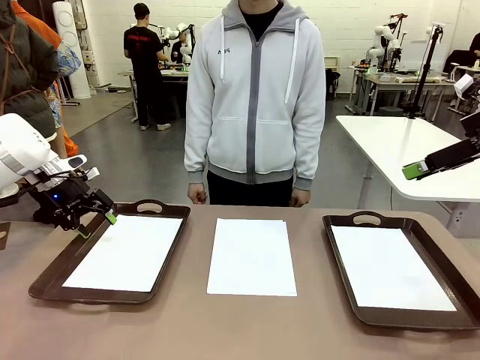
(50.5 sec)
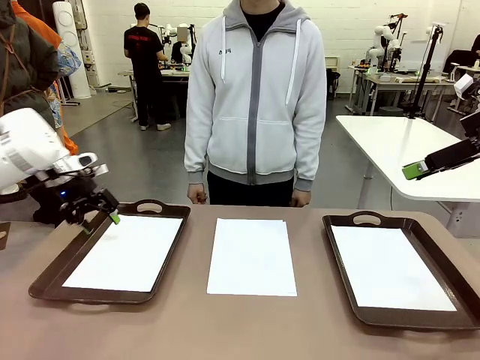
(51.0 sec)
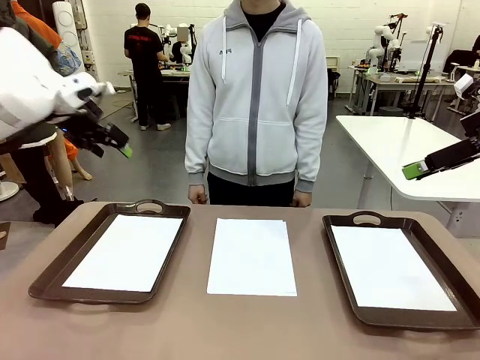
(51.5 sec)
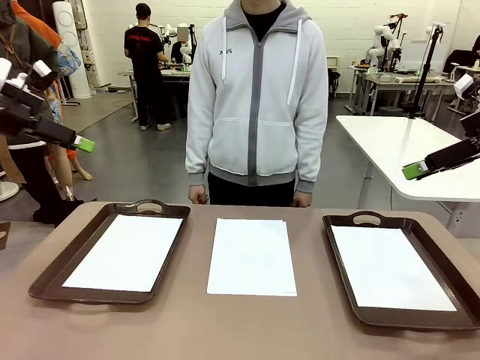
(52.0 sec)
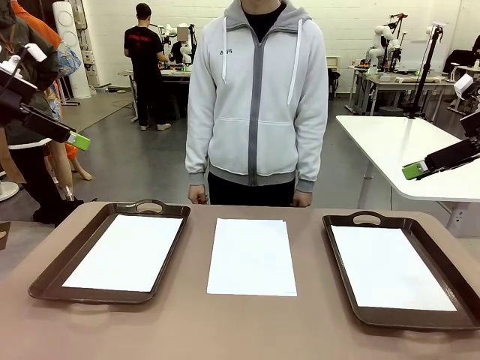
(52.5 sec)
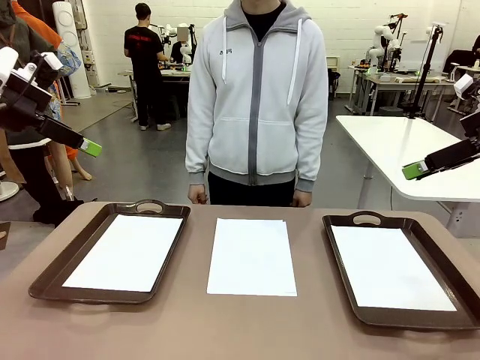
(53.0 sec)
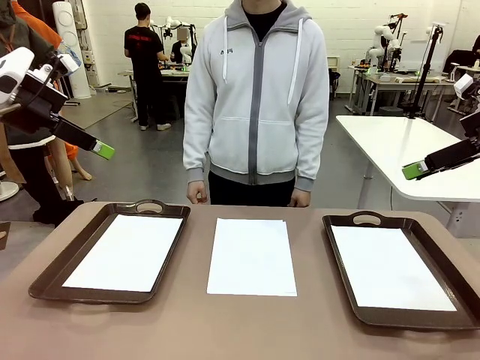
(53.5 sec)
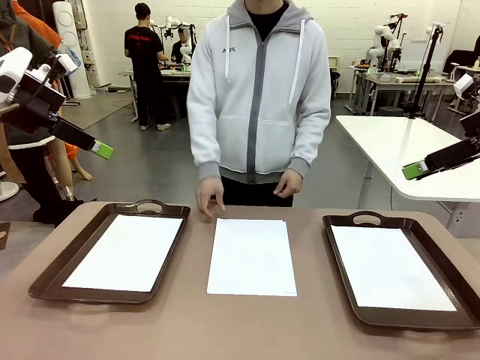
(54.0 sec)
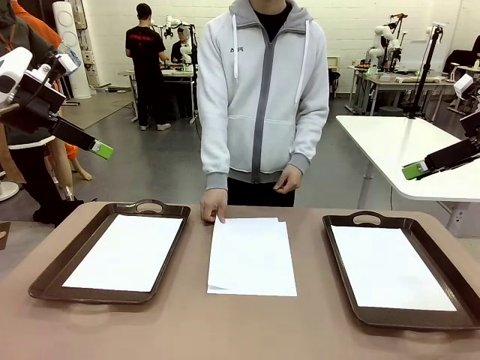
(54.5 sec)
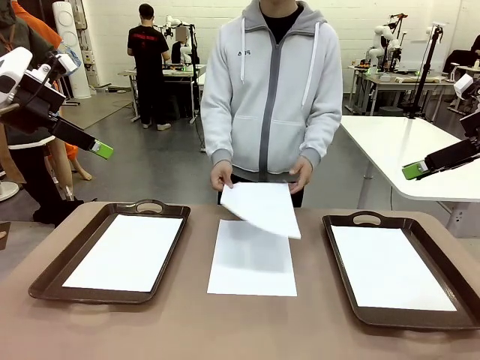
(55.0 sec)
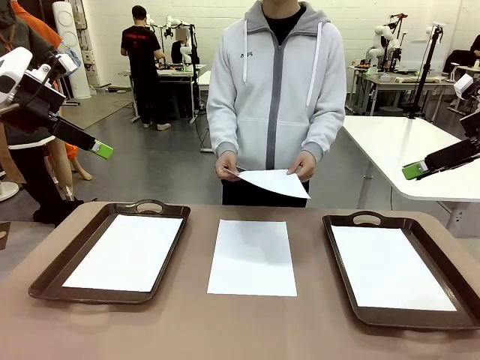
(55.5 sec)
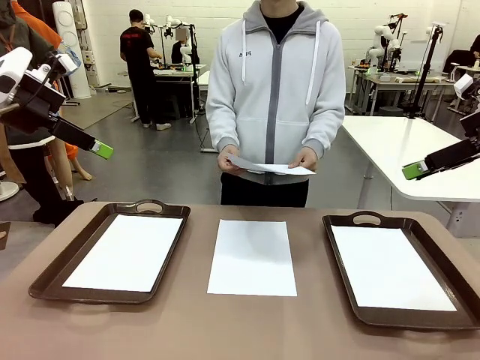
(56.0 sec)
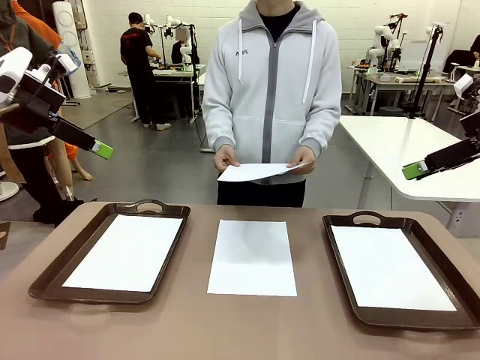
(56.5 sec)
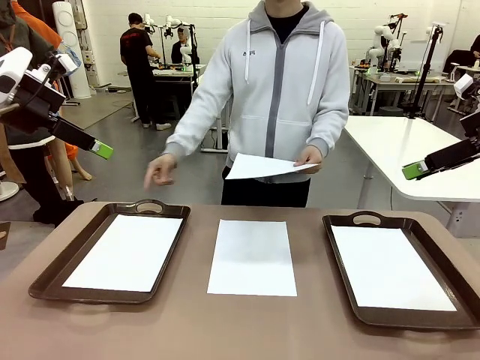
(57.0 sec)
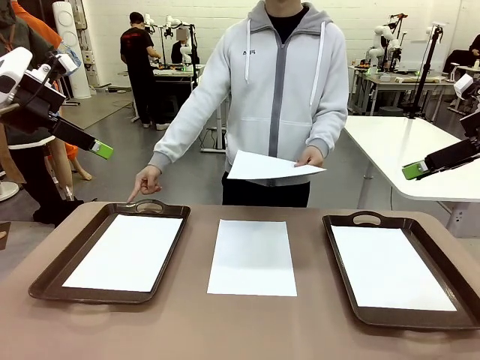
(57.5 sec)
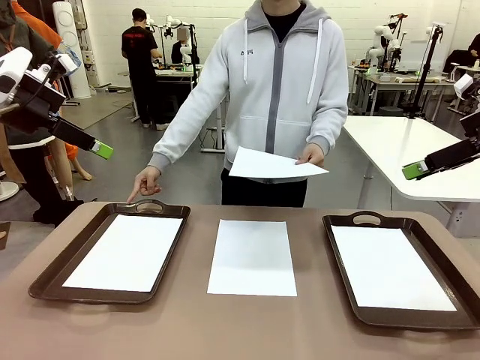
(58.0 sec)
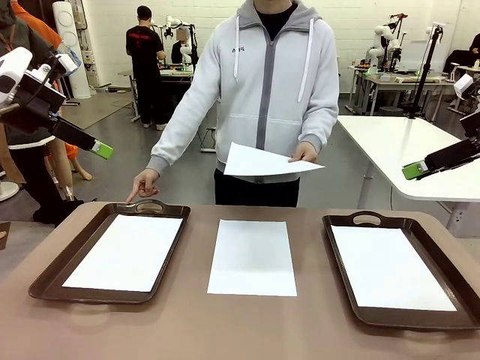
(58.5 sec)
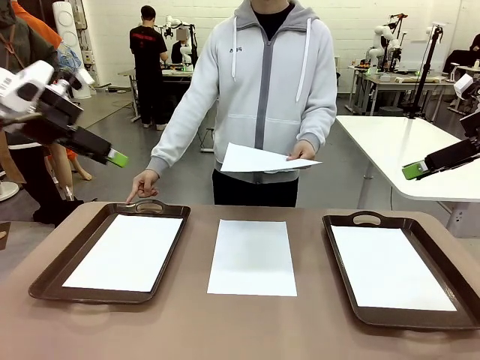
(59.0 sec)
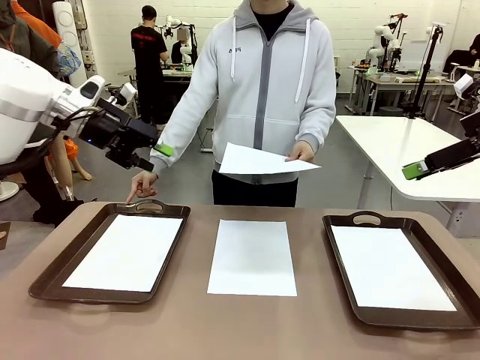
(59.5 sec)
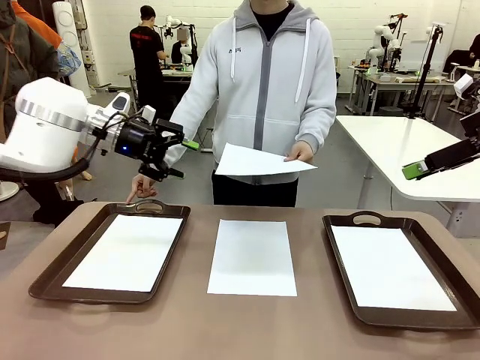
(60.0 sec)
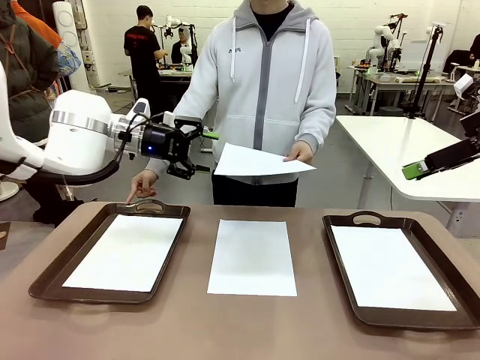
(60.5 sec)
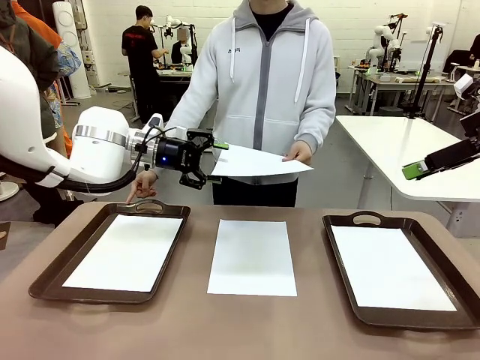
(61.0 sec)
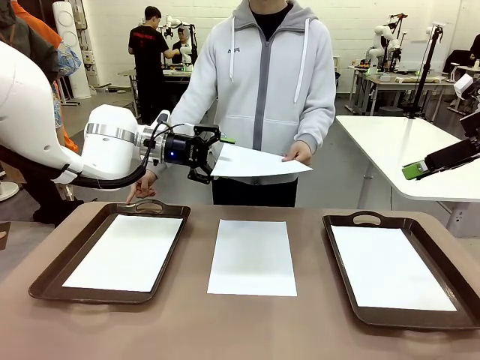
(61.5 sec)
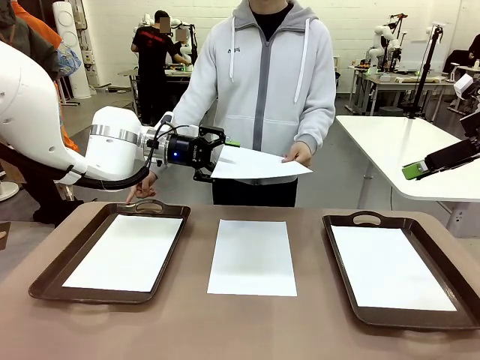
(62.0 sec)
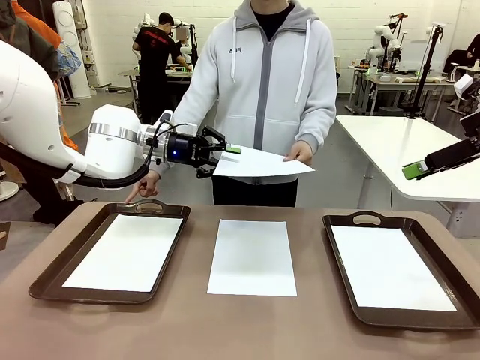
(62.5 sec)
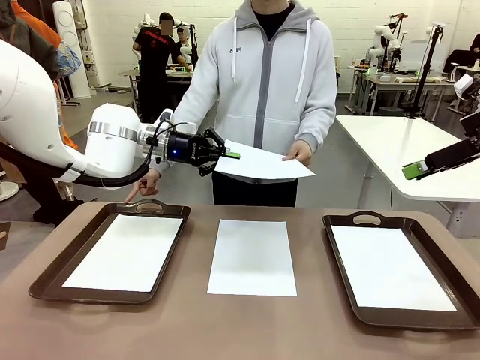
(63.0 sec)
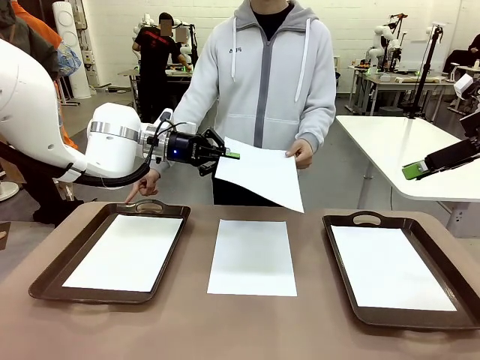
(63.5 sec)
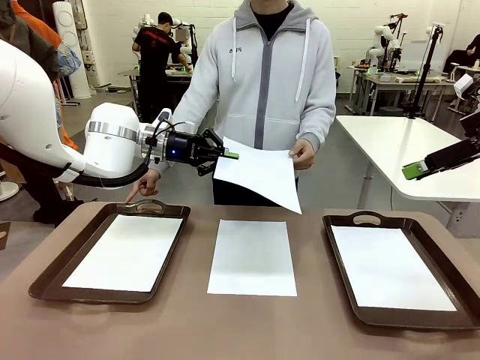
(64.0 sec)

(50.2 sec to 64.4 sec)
Task: Sort the A4 documents.
Robot: Receive the A4 Paper.
Person: Point the randomly selected tray with the other hand.

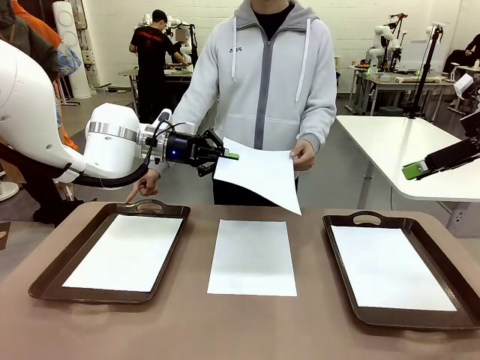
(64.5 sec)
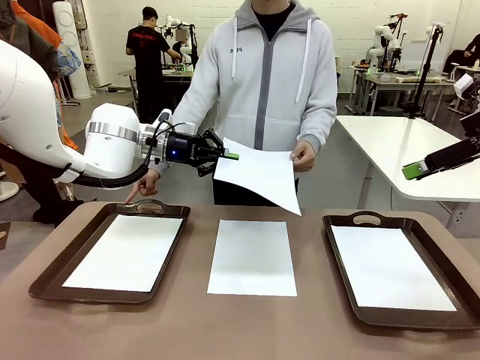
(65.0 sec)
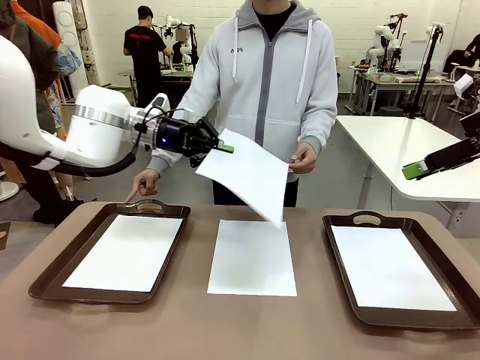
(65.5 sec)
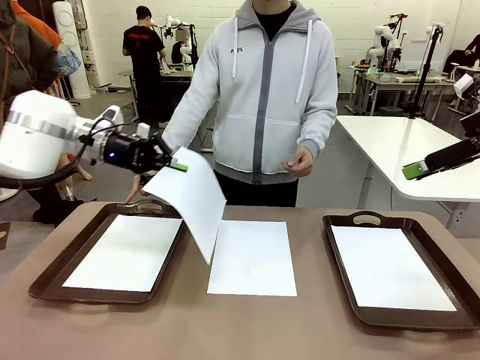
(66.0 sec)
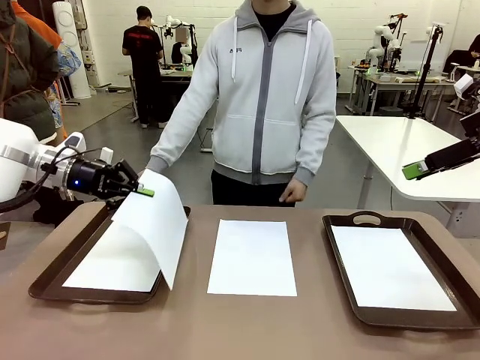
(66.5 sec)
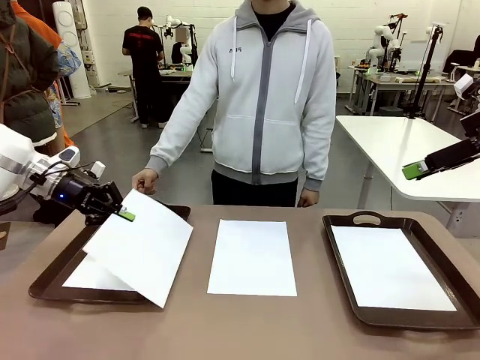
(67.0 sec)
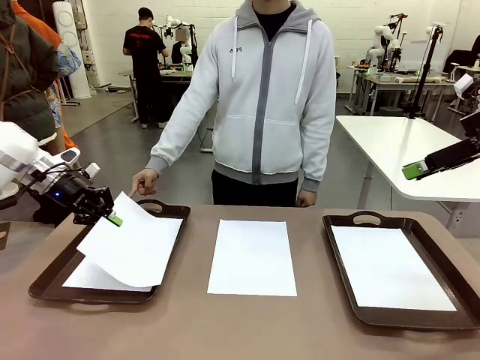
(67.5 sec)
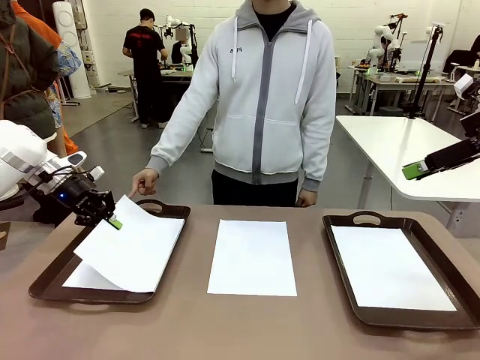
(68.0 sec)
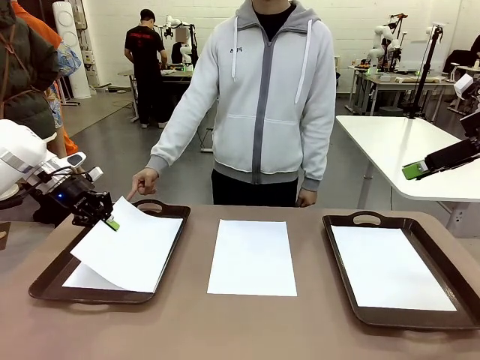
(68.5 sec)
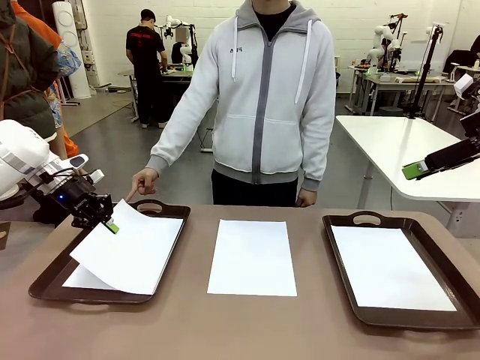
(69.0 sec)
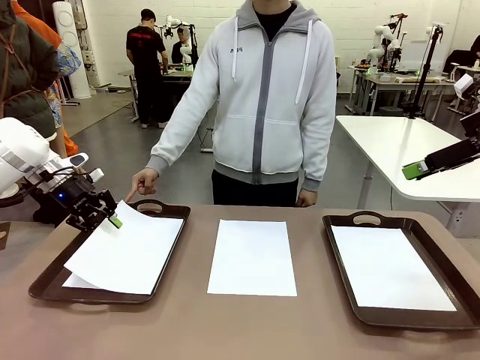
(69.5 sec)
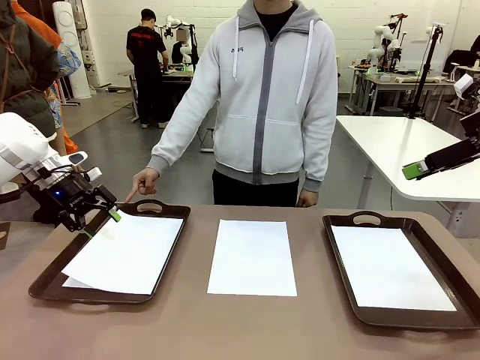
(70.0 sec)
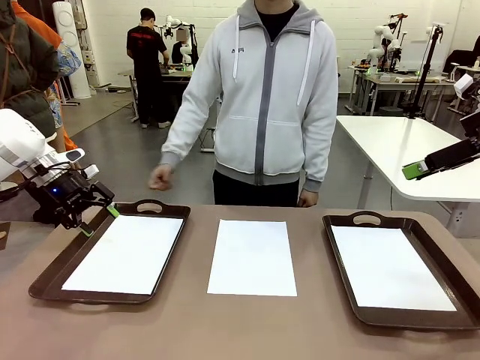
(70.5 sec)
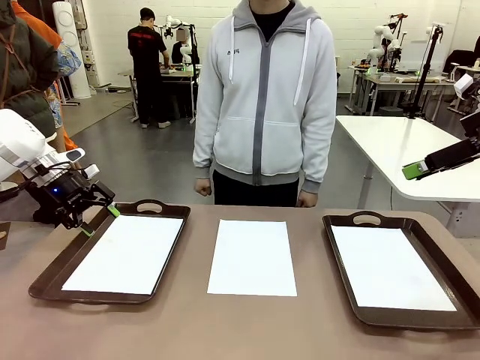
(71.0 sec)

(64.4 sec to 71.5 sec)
Robot: Place the A4 Paper in the designated Handle tray.

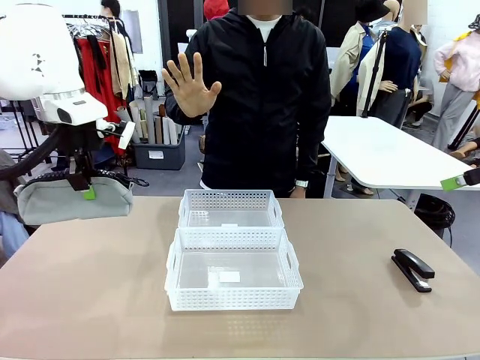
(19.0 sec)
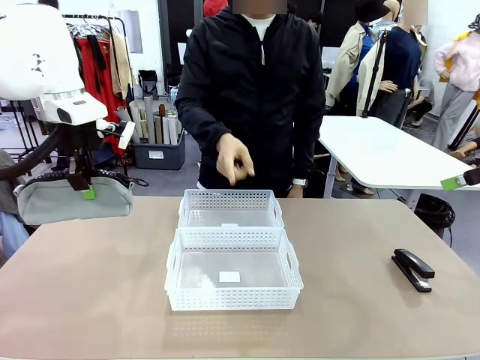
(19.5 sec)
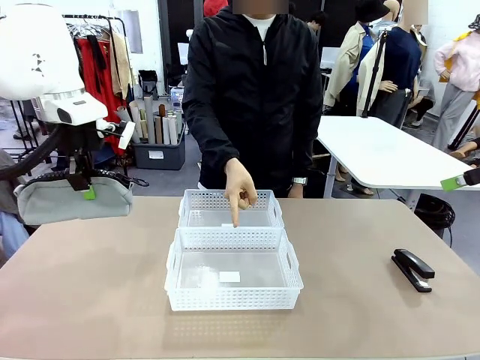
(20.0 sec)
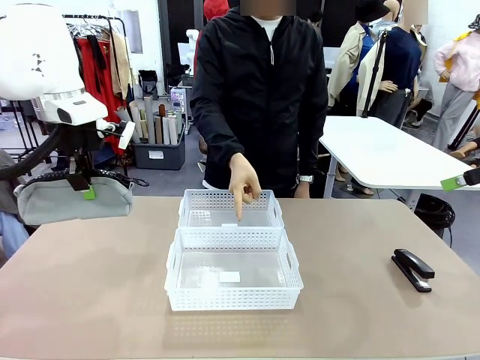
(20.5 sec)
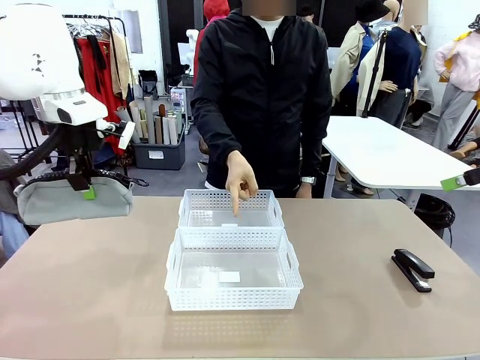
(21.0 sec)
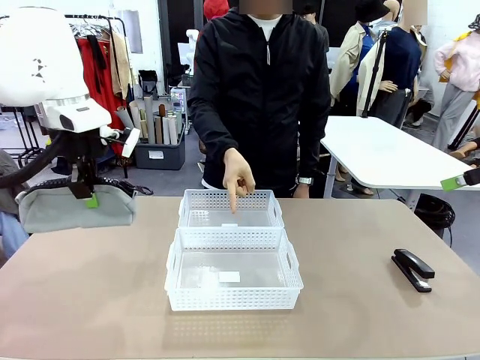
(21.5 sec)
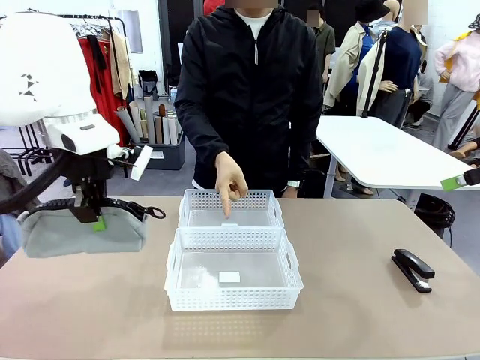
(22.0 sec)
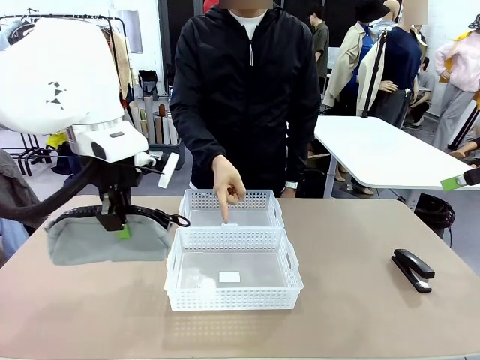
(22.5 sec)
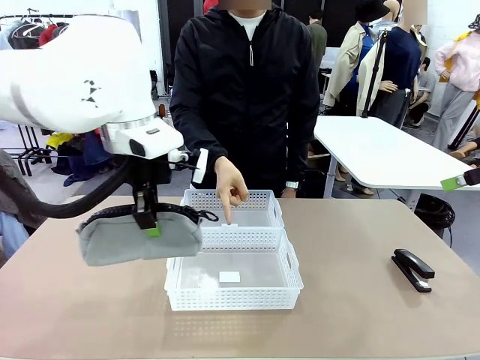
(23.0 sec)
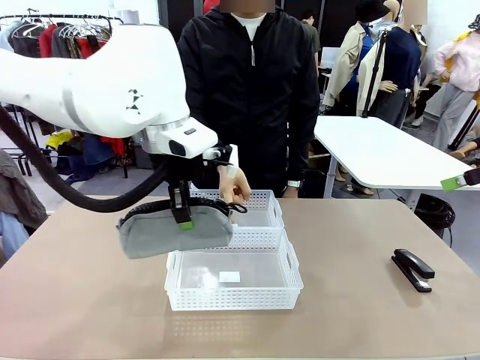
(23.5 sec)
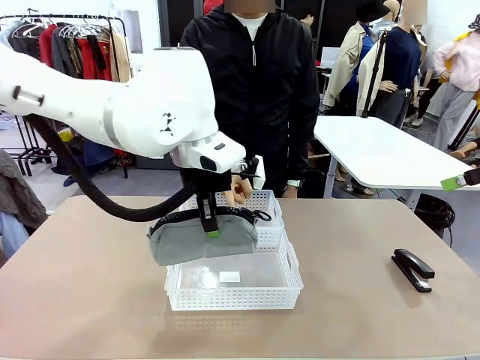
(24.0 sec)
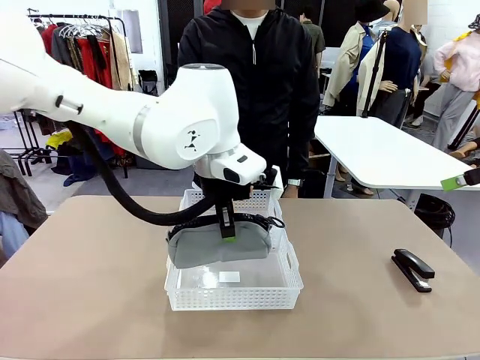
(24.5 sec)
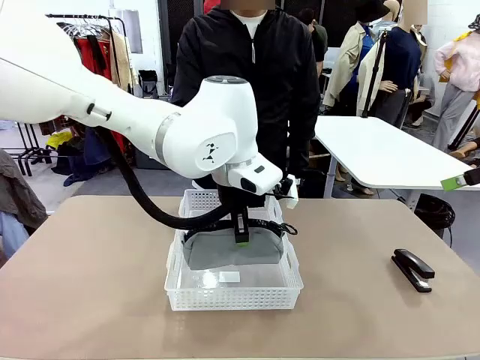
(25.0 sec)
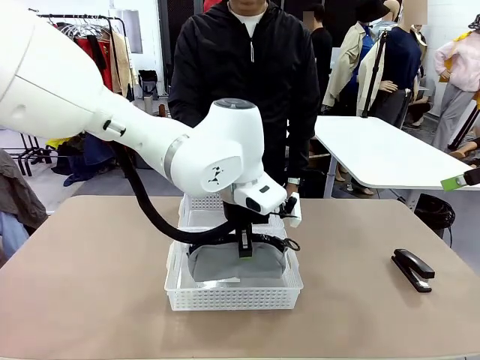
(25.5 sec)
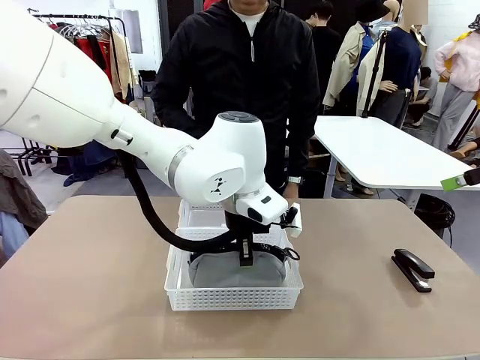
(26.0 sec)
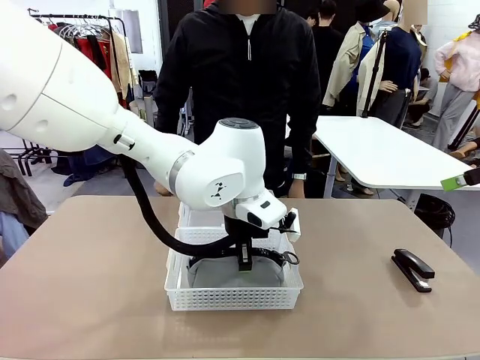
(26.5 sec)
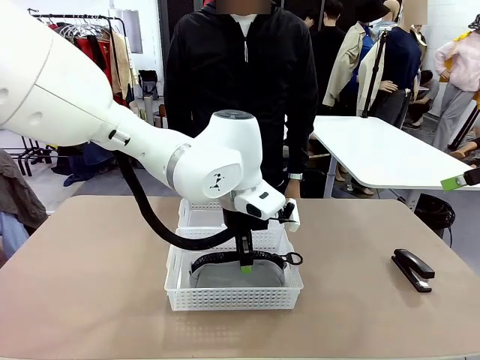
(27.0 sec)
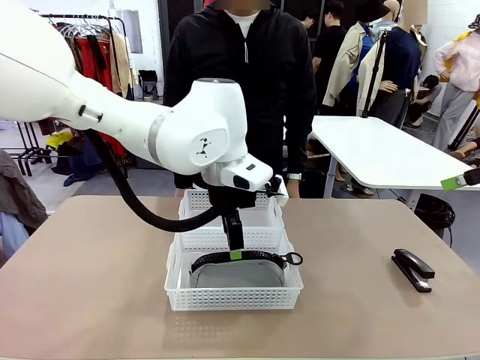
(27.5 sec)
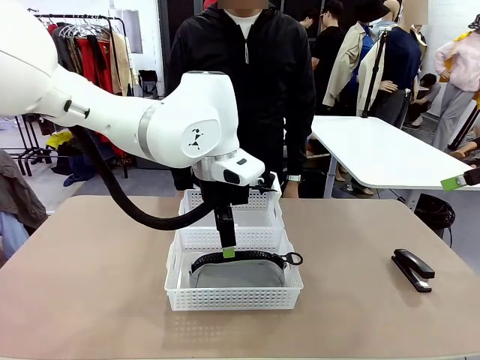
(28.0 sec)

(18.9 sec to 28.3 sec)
Task: Distribute items into two baskets.
Robot: Place the picked Pencil pouch into the Organizing basket as instructed by the person.
Person: Instructs the robot to place the pencil case into the opposite basket. Points to the stapler.
